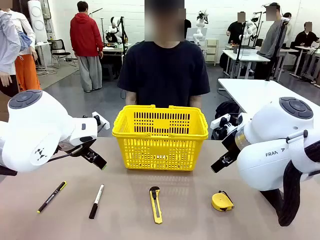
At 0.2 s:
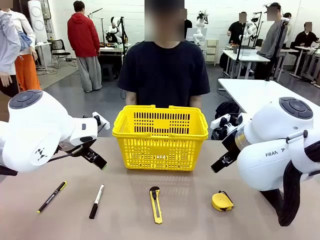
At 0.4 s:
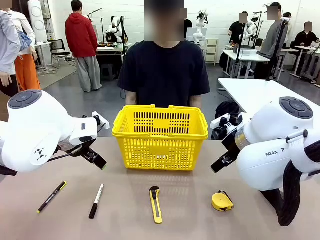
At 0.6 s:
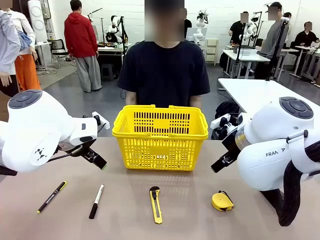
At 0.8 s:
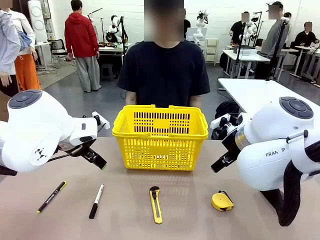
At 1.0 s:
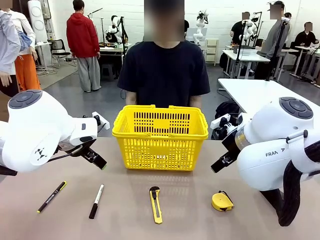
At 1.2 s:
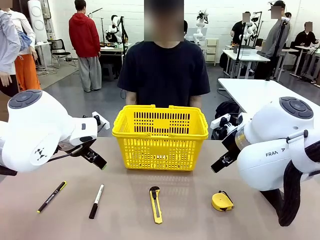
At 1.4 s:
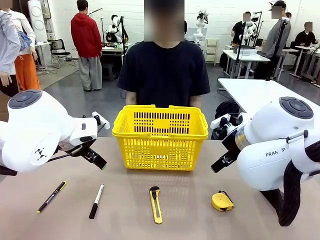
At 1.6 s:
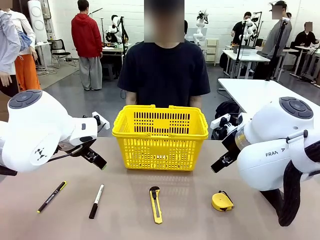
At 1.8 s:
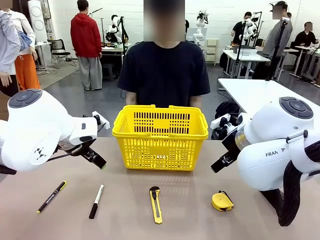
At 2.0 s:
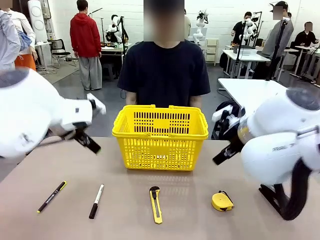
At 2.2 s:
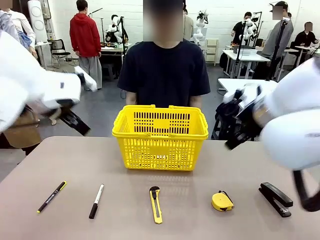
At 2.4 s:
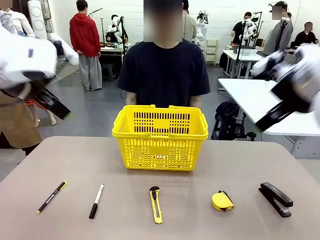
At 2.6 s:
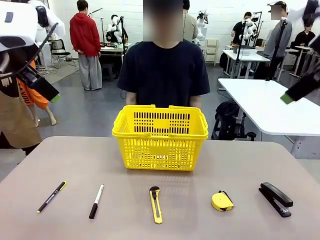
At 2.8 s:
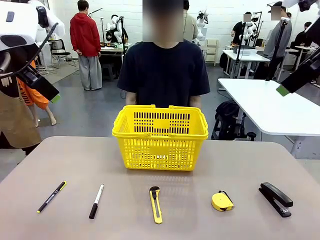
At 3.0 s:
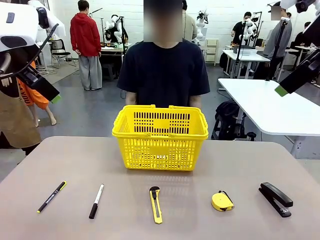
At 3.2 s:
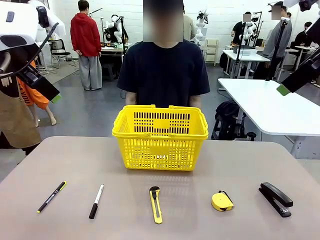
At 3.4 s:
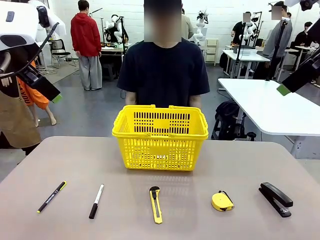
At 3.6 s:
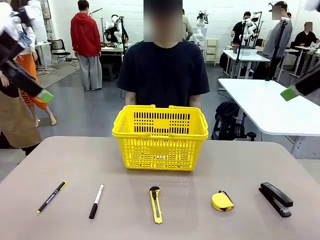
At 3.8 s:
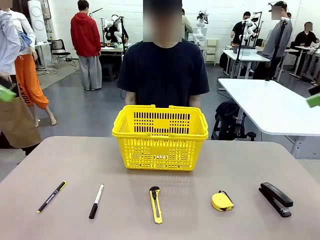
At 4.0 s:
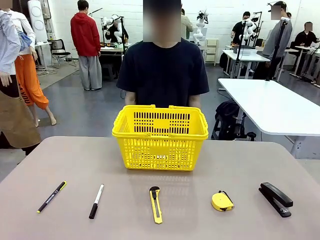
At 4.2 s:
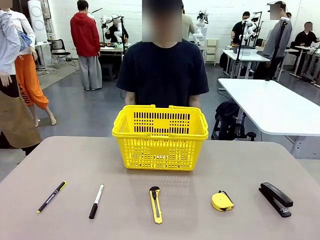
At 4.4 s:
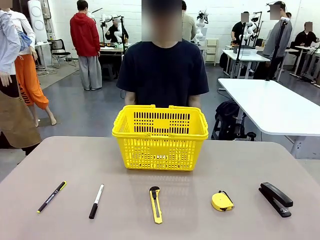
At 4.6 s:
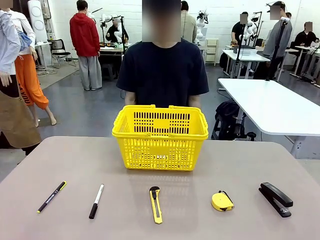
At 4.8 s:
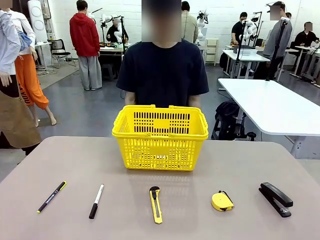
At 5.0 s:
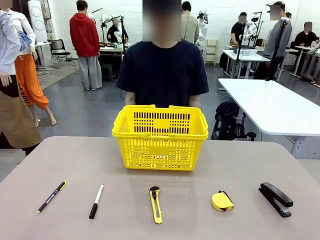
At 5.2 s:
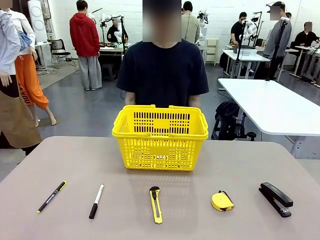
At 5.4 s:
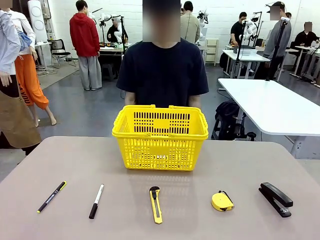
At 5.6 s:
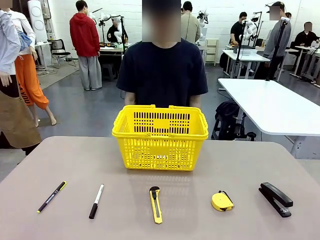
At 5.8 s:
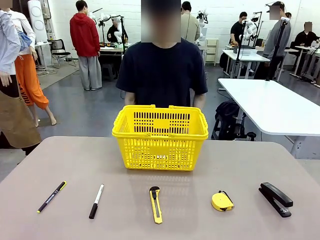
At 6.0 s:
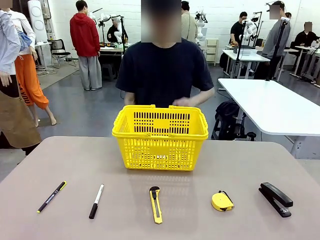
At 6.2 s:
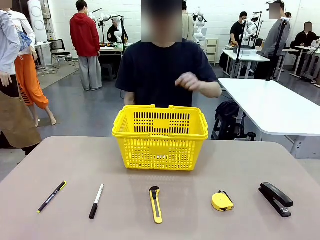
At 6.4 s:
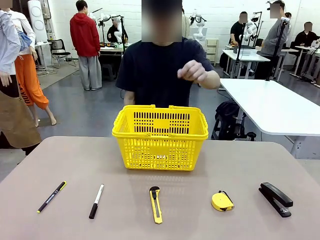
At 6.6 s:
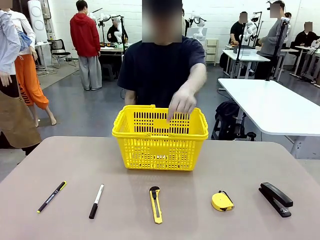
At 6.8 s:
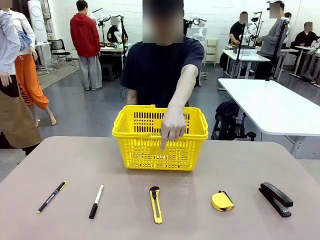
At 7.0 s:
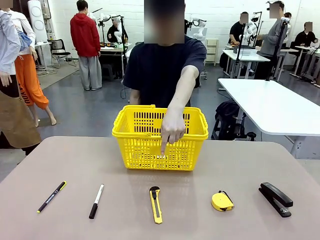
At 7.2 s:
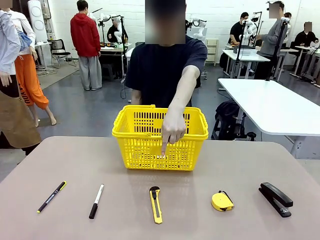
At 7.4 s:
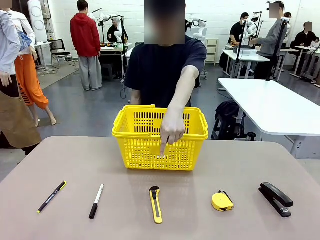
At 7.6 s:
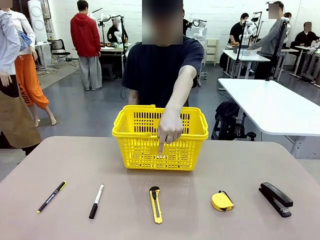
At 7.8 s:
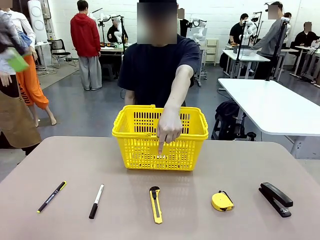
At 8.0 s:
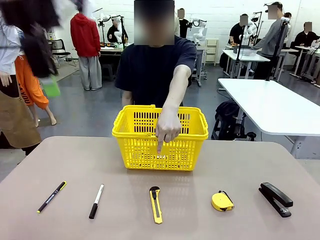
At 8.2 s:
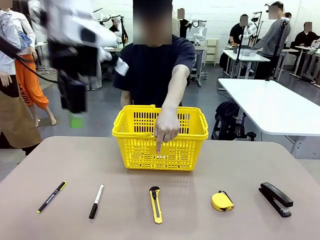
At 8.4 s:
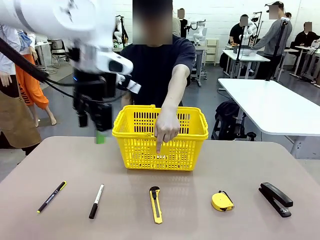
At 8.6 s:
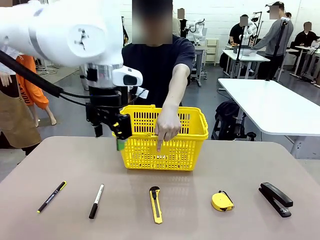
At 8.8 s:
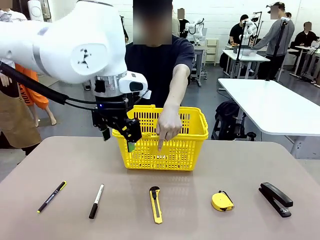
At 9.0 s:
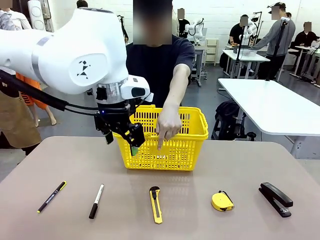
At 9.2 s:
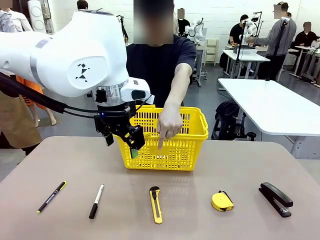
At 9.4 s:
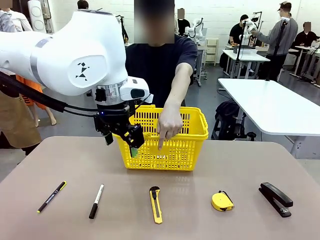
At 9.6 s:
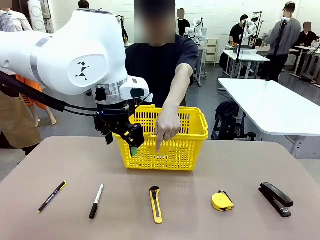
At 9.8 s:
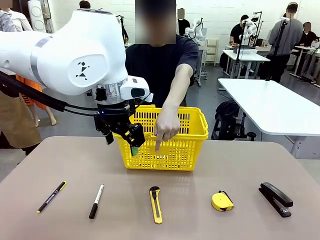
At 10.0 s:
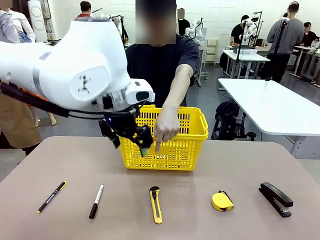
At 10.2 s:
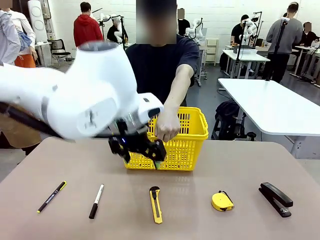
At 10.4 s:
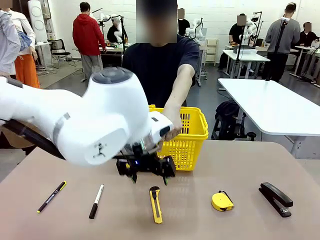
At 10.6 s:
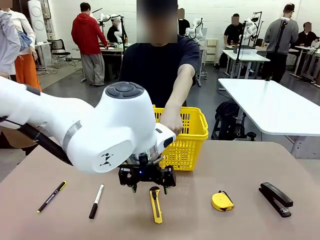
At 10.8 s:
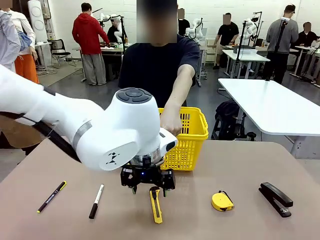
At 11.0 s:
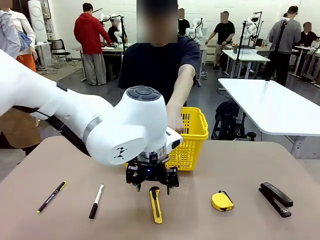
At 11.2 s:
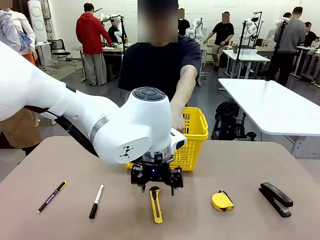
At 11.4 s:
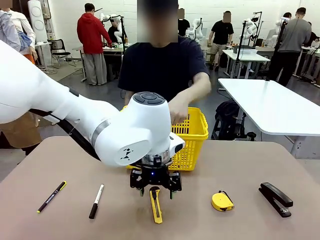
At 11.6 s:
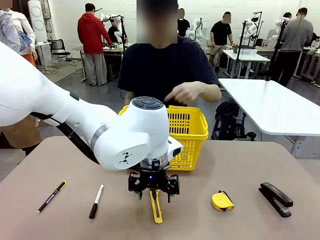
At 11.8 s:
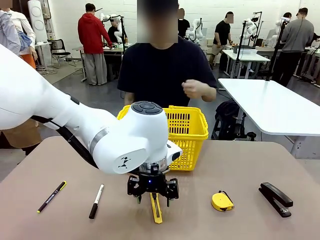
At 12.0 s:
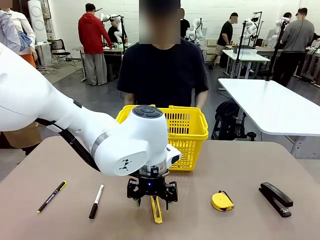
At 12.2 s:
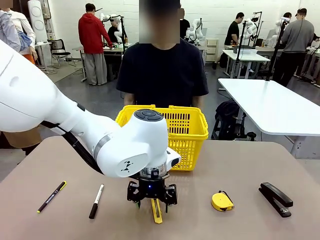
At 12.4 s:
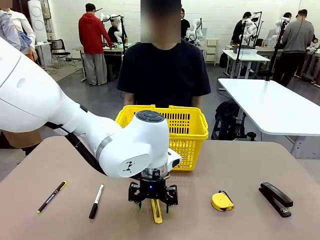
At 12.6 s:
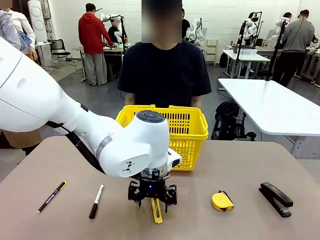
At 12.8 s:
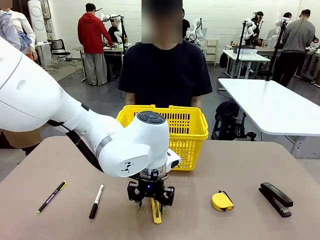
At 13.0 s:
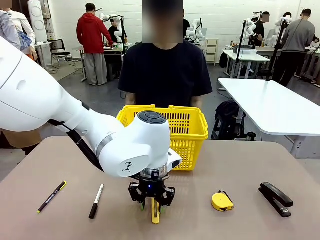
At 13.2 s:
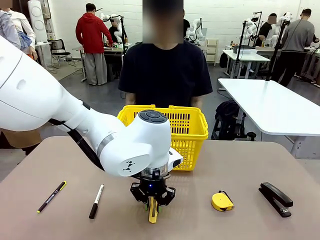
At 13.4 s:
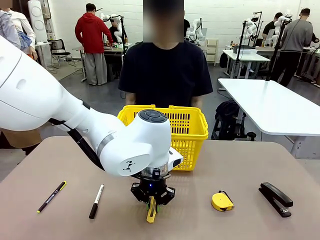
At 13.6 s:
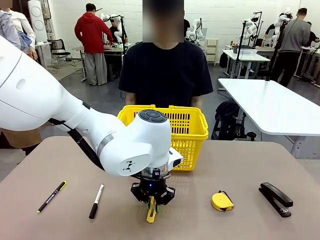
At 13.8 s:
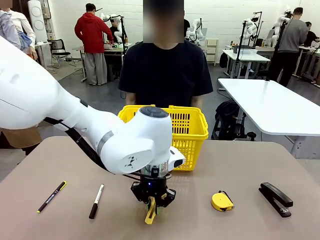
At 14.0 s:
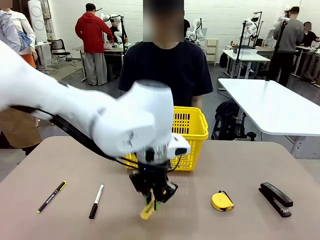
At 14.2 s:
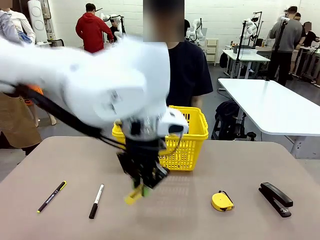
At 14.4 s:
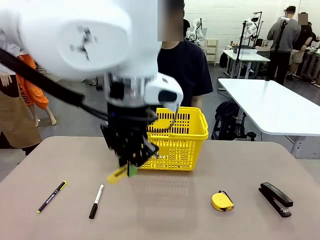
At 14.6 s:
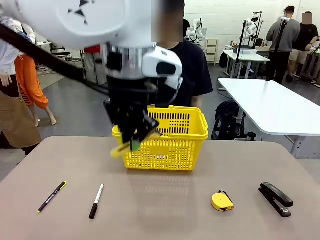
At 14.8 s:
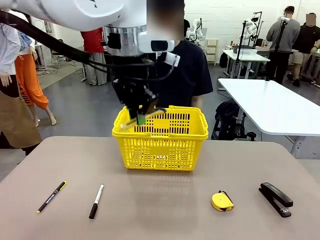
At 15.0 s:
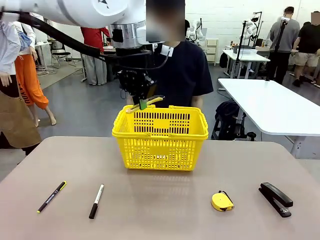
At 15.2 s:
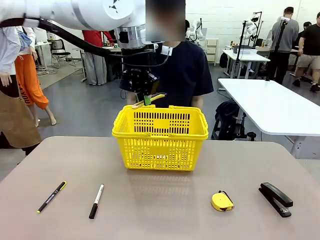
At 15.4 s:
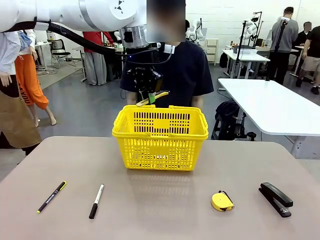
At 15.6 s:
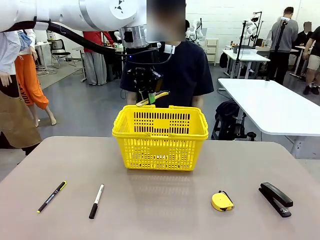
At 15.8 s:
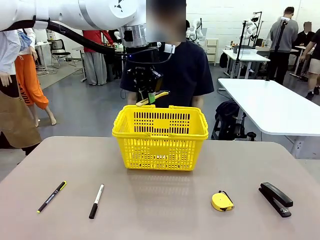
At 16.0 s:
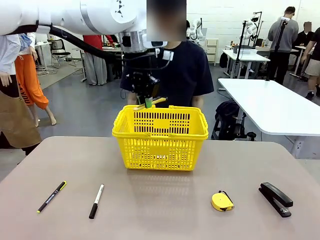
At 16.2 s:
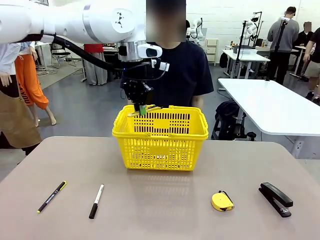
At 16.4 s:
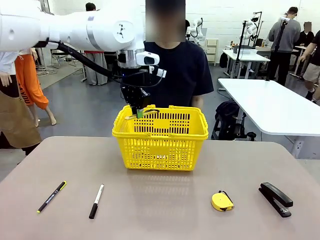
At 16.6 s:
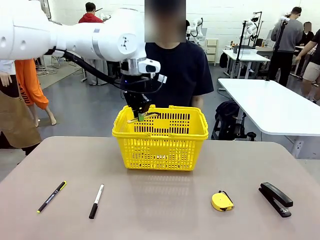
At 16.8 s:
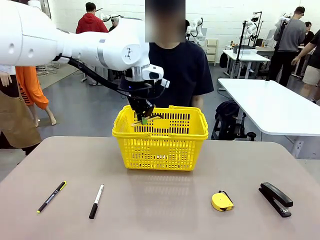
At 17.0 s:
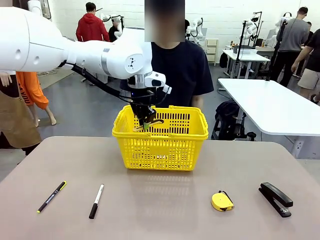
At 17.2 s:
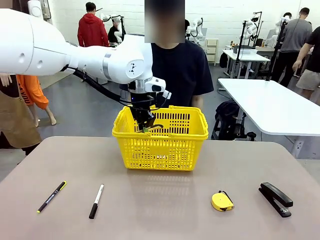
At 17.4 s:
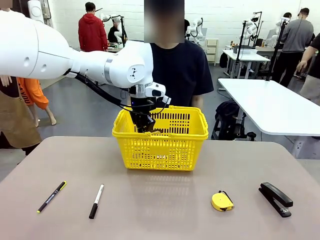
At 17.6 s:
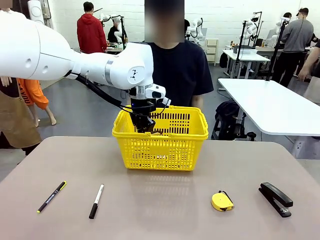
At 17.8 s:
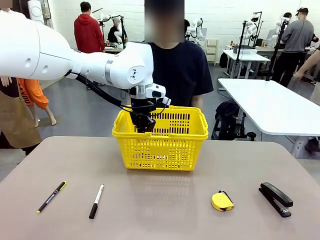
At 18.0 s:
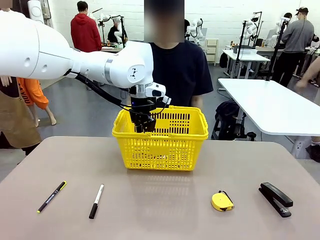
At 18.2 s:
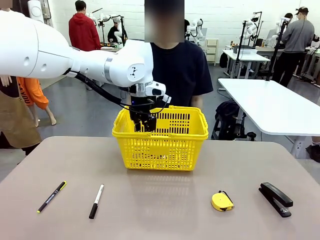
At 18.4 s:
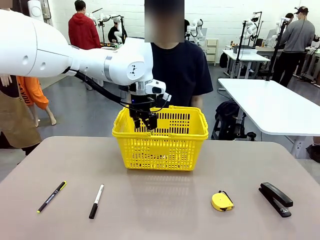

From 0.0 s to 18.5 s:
Task: Place the items the person wants into the basket.
Robot: Pick up the item the person points to and place it in the Market Basket.
